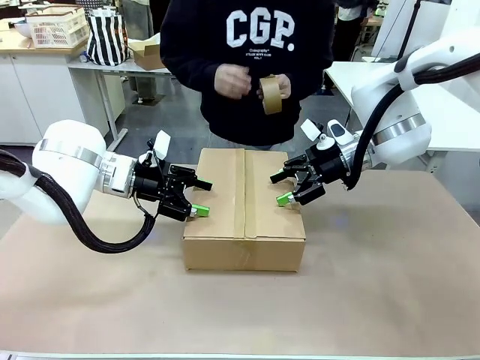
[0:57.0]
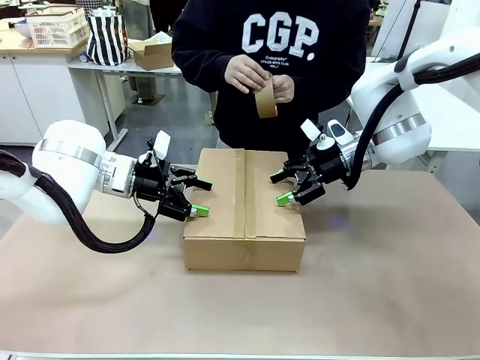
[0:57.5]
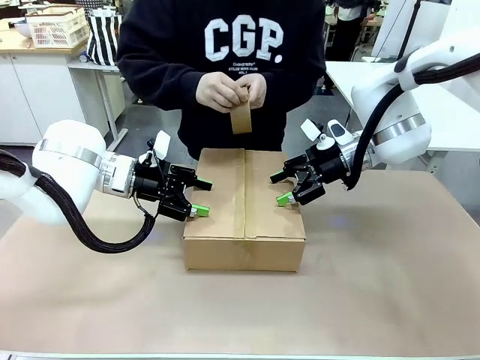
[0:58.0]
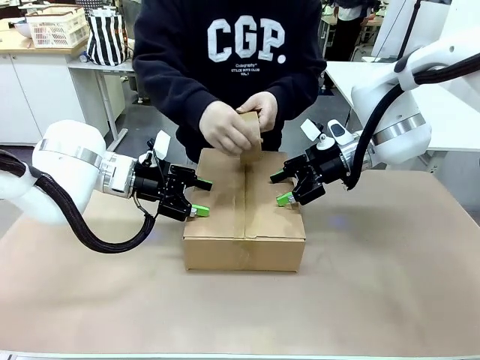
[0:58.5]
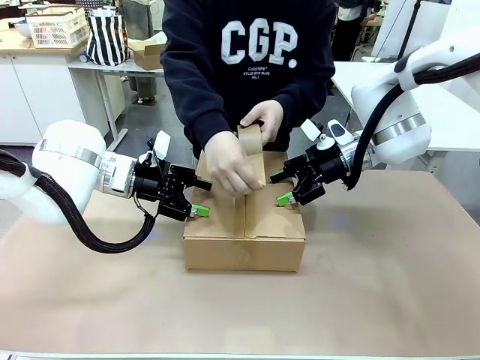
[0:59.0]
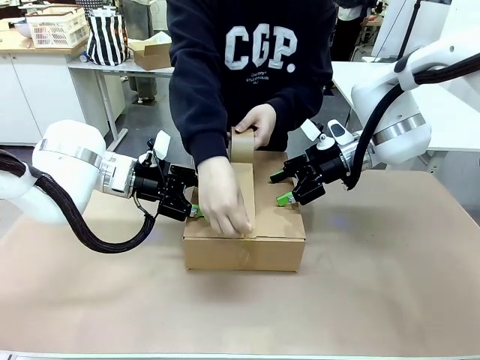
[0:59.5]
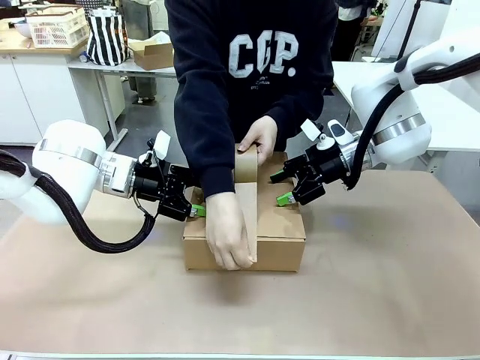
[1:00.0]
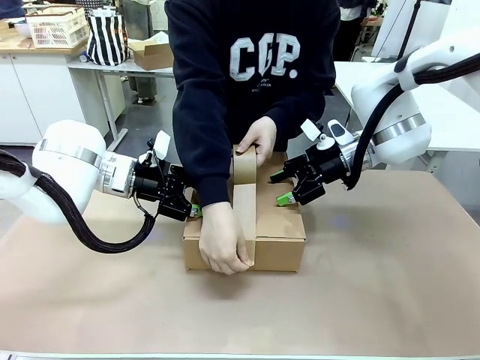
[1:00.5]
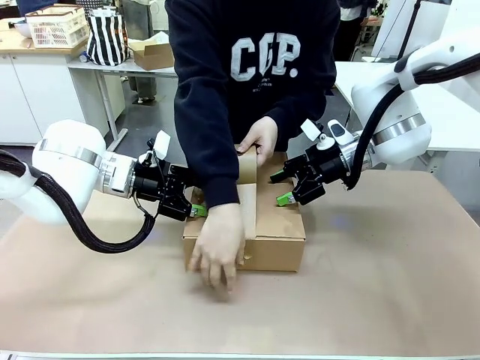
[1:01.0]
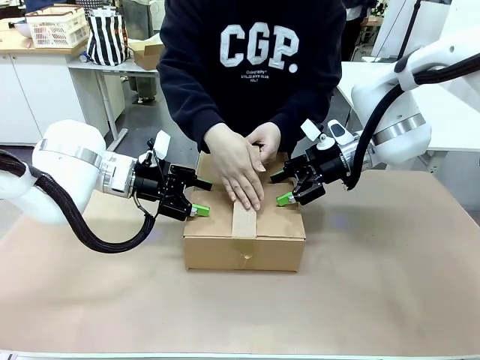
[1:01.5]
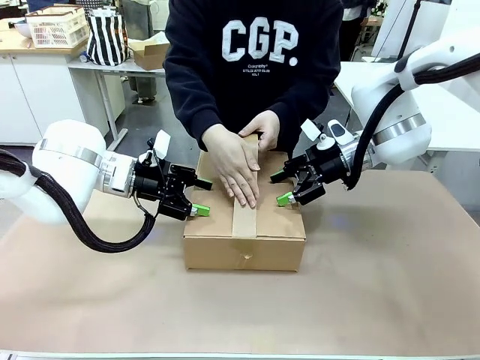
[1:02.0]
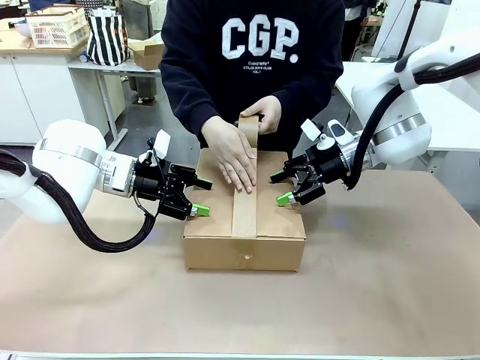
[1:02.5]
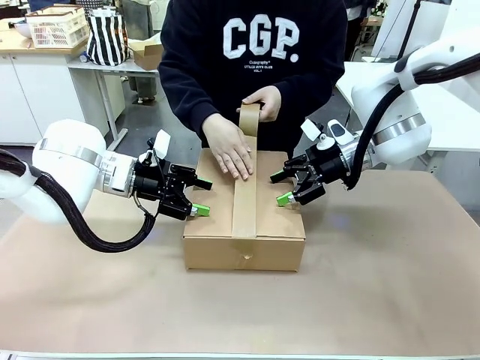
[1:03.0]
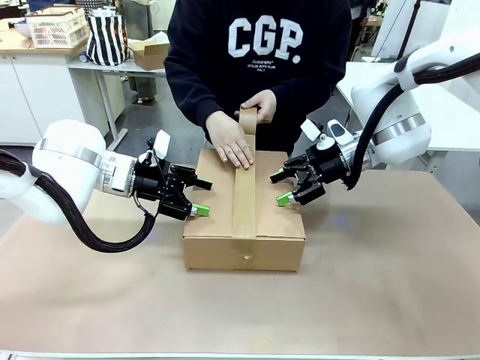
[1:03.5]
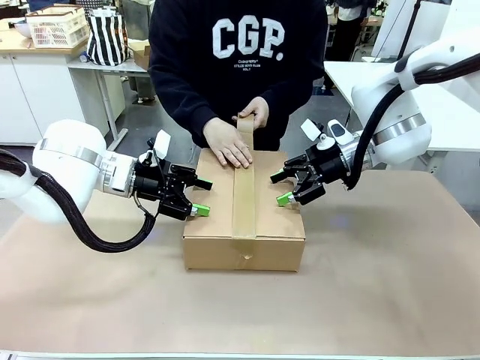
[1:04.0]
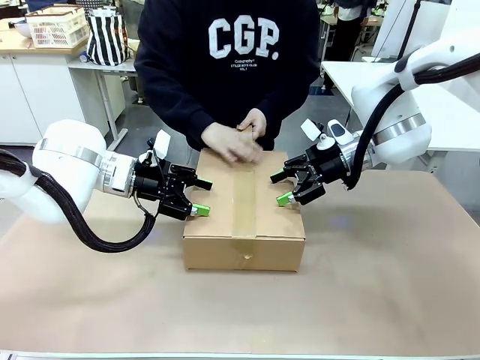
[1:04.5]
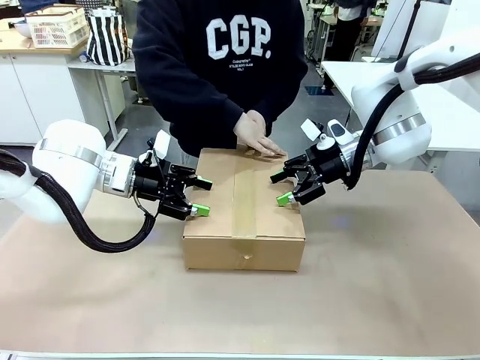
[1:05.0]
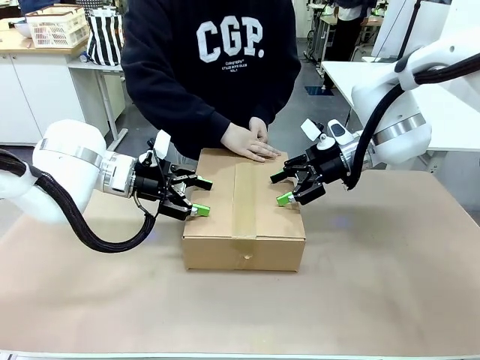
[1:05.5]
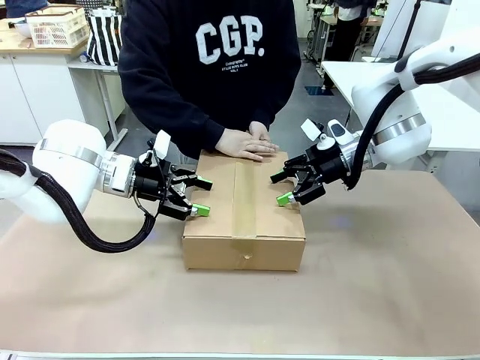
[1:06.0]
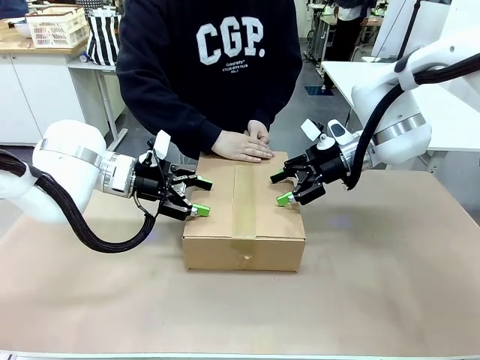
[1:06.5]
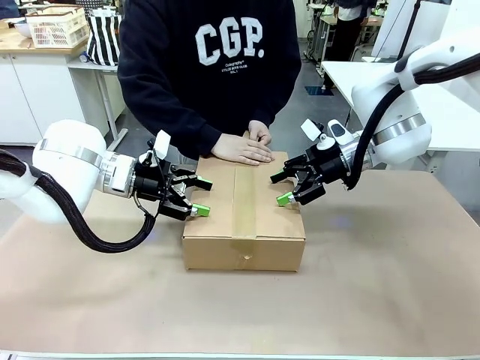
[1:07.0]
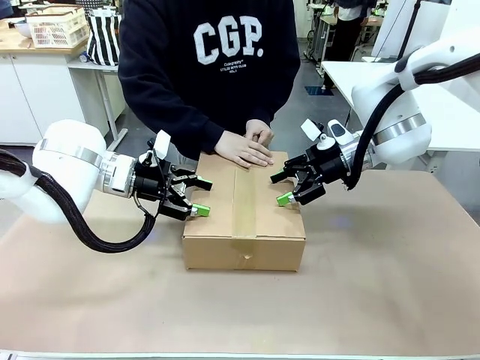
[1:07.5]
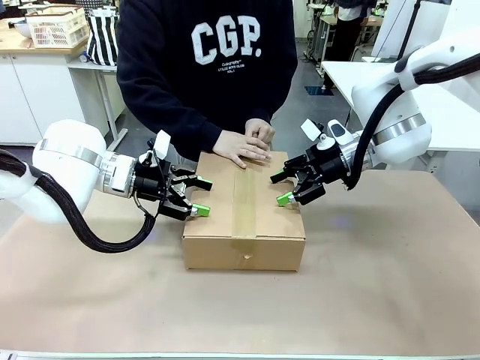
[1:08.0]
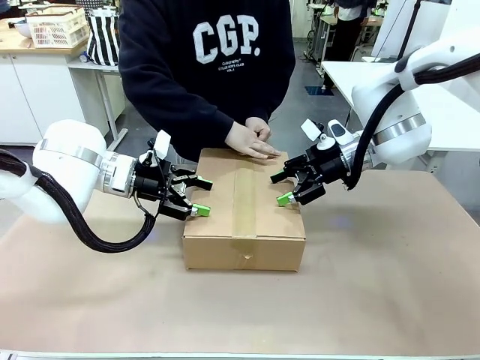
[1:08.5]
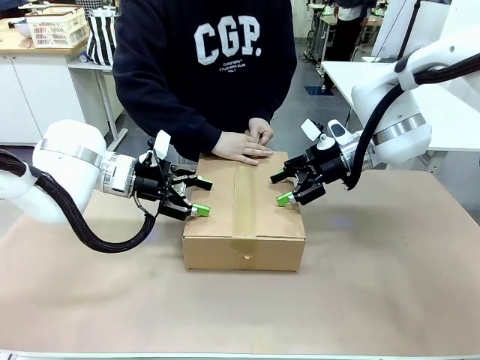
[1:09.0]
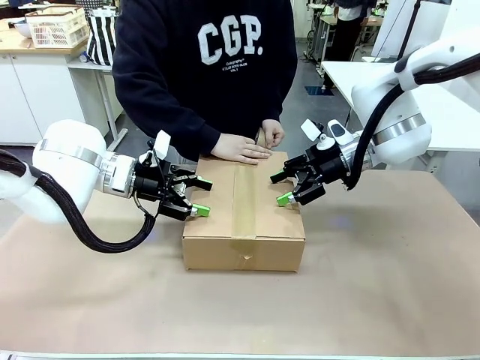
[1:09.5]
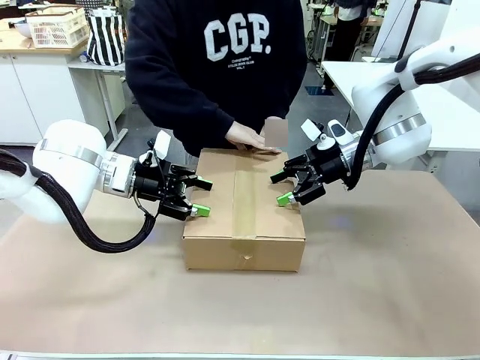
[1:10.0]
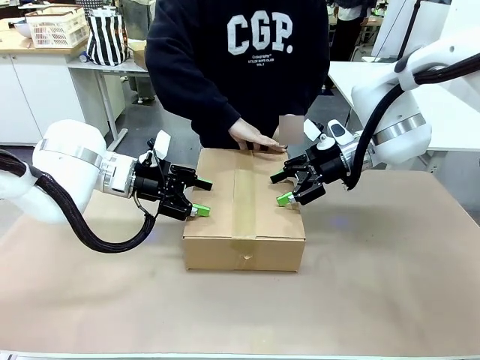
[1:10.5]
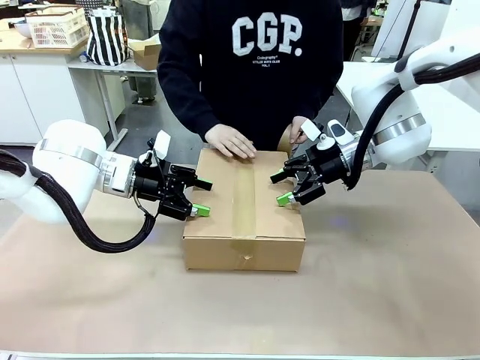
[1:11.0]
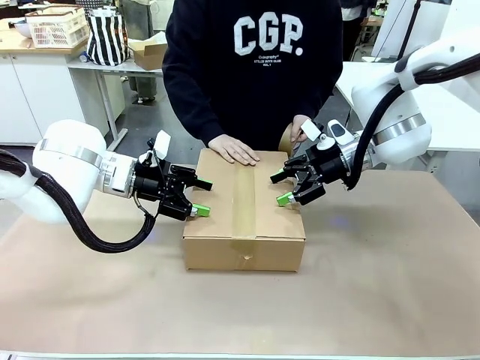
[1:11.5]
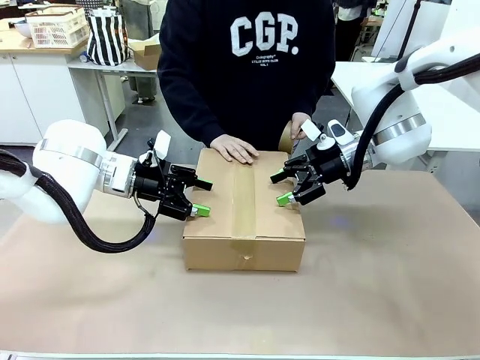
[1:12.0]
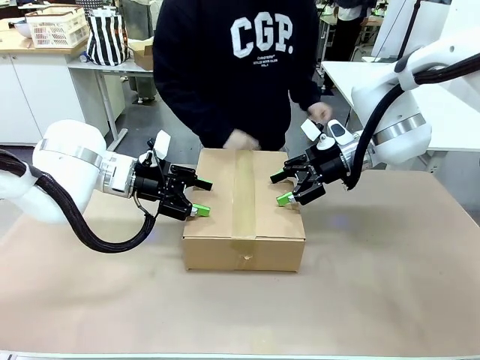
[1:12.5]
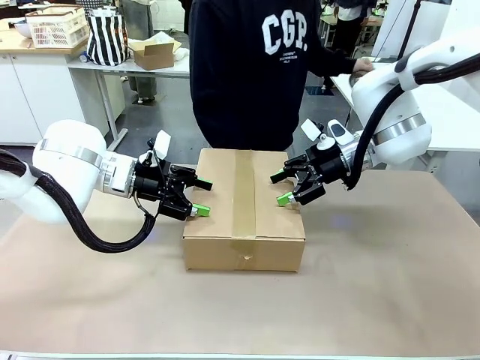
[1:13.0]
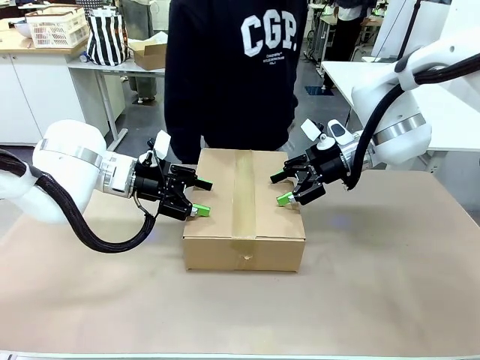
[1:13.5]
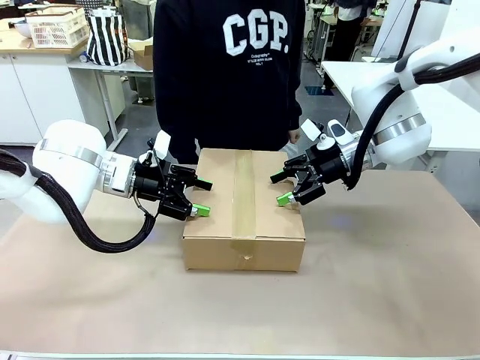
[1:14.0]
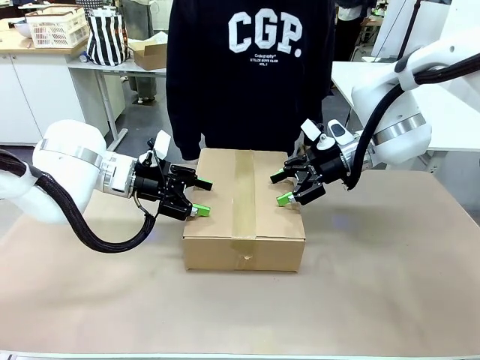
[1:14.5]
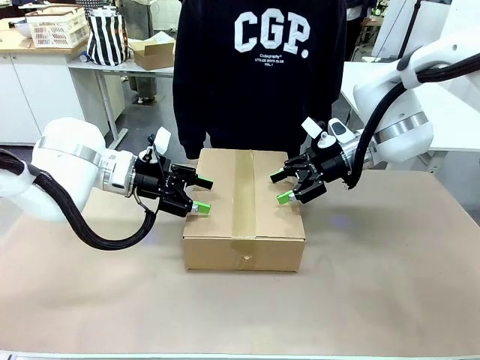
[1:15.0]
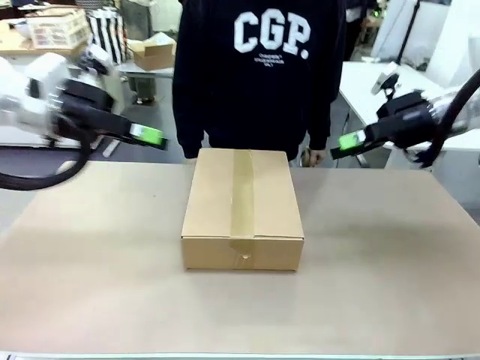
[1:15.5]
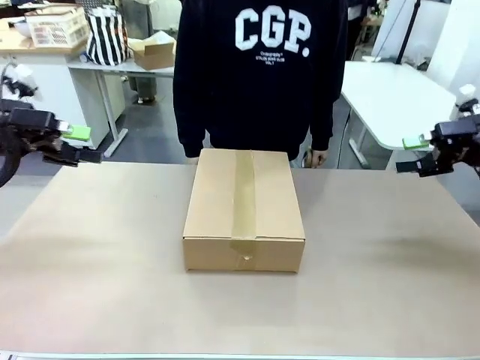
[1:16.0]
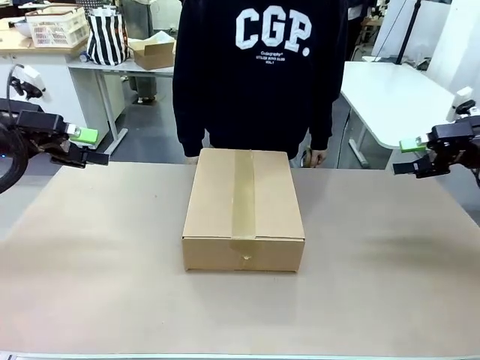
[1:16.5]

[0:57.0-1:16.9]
Task: Pack the gift set into the box.
Robot: Press and hold the closed box until the human finishes sealing it.
Person: The human picks up the paper tape from the human table and packs the box.
